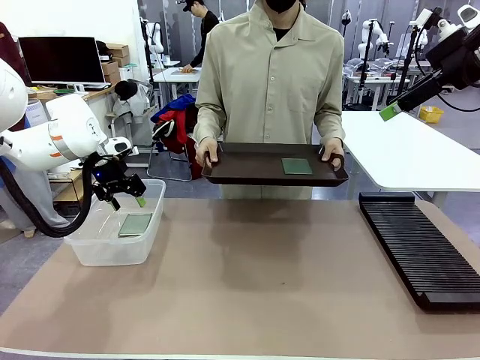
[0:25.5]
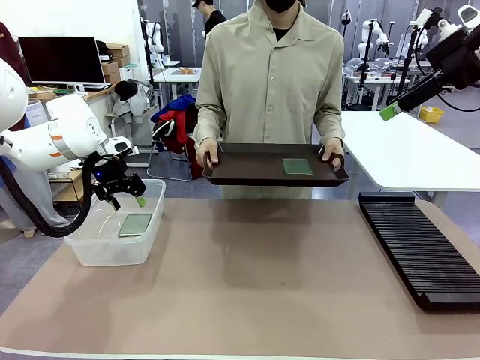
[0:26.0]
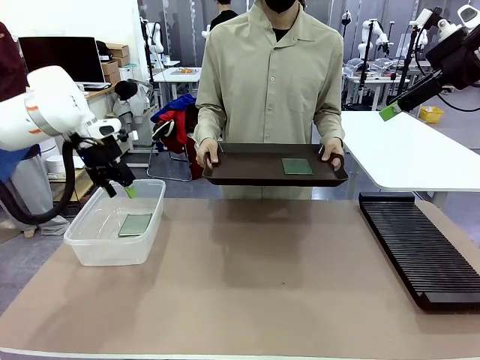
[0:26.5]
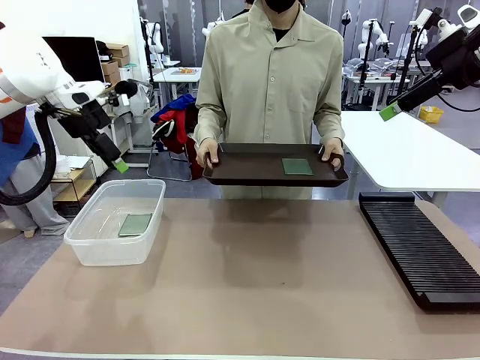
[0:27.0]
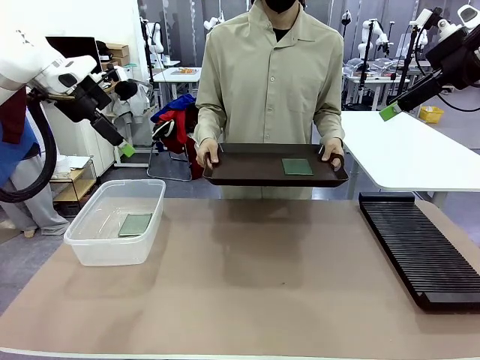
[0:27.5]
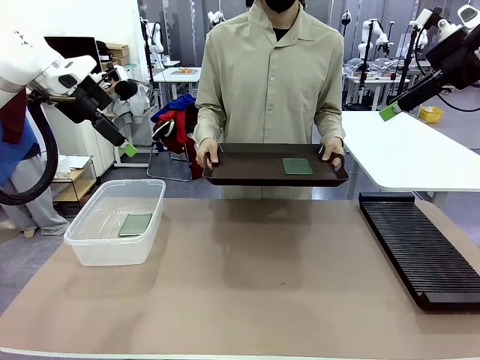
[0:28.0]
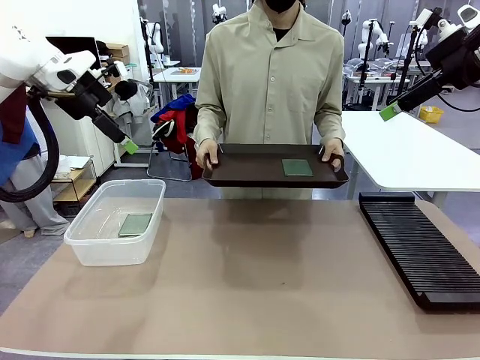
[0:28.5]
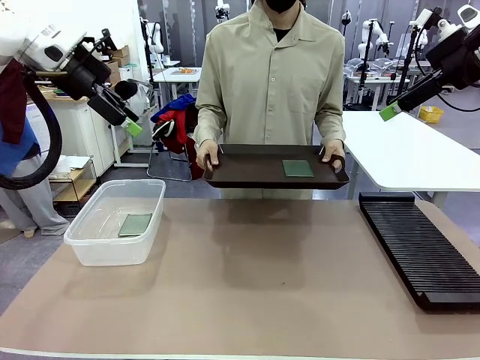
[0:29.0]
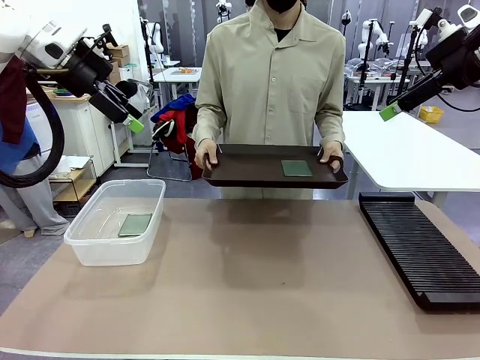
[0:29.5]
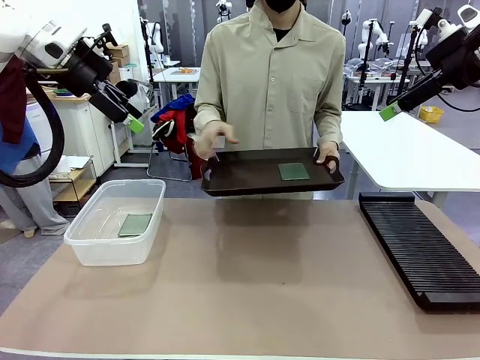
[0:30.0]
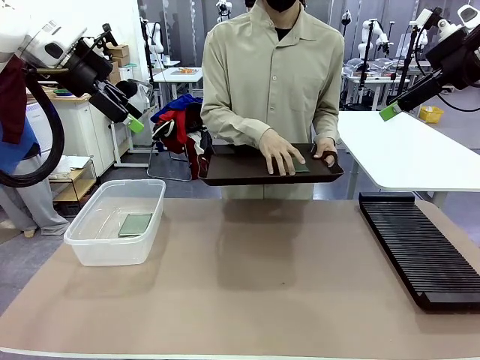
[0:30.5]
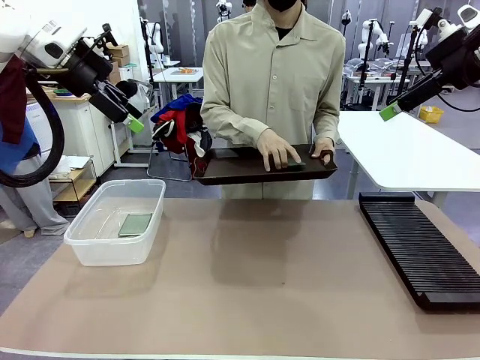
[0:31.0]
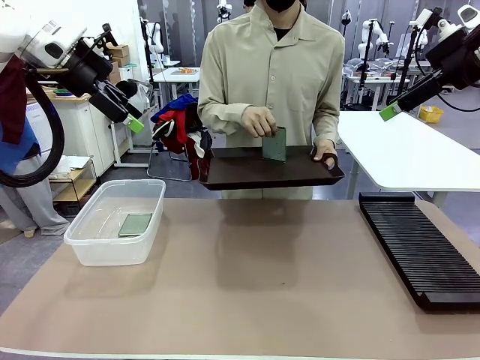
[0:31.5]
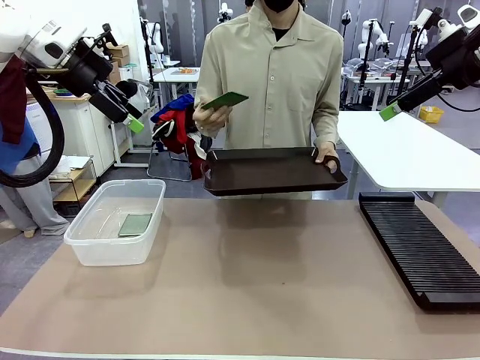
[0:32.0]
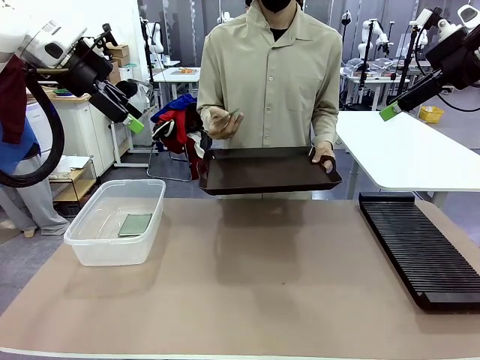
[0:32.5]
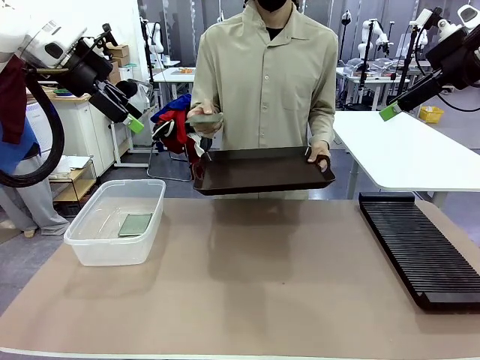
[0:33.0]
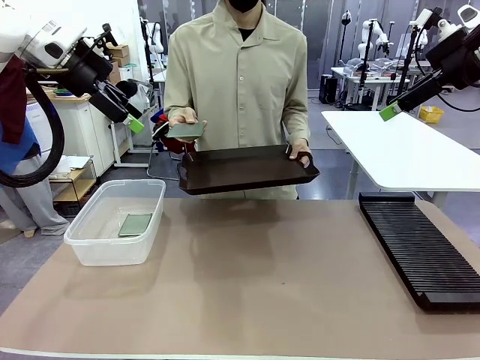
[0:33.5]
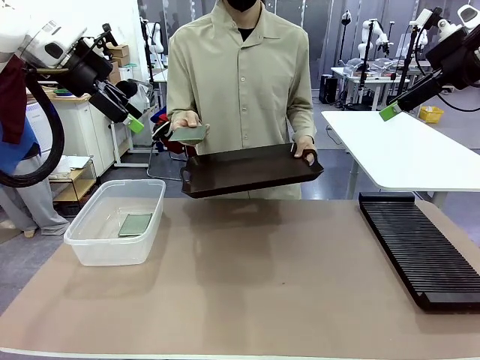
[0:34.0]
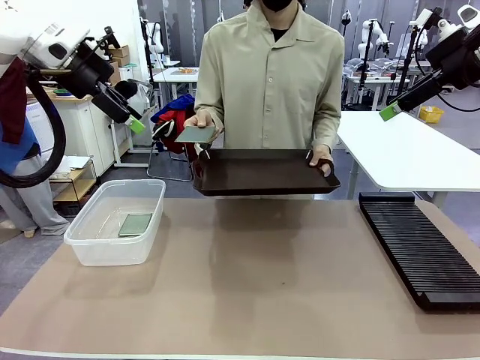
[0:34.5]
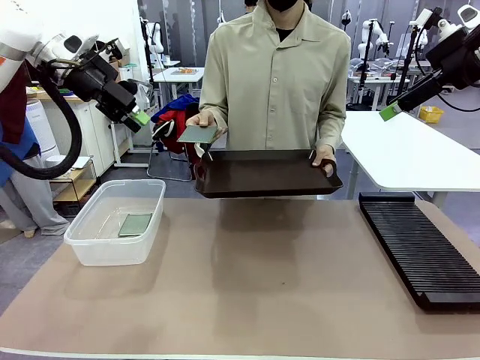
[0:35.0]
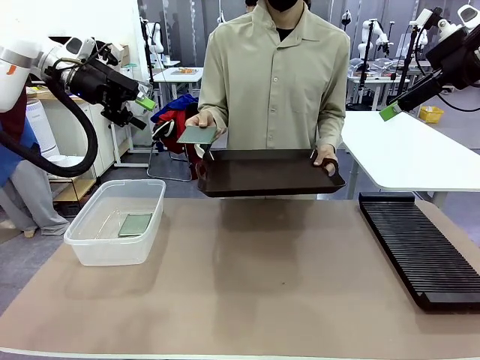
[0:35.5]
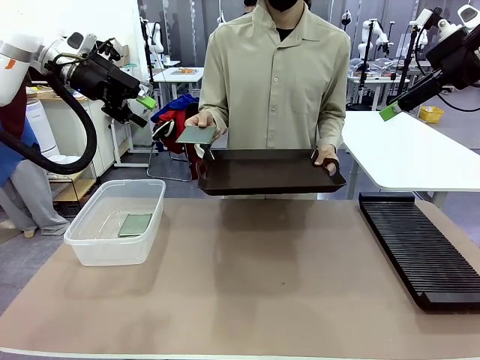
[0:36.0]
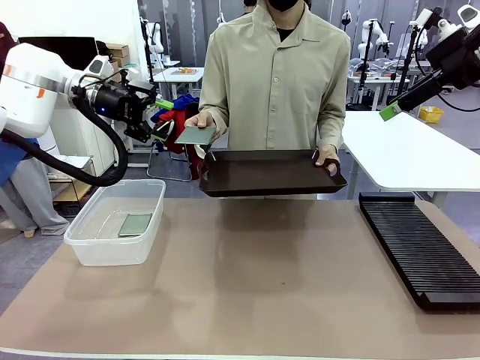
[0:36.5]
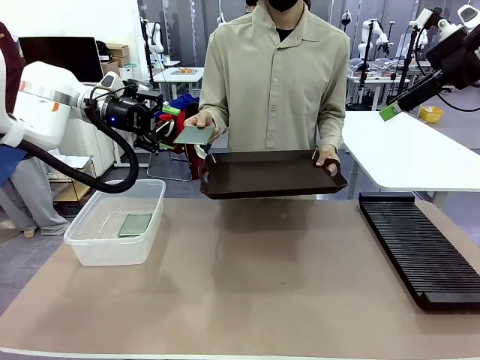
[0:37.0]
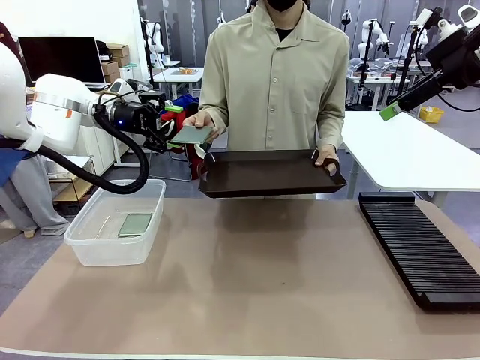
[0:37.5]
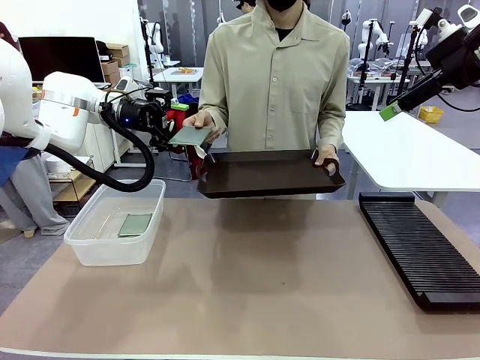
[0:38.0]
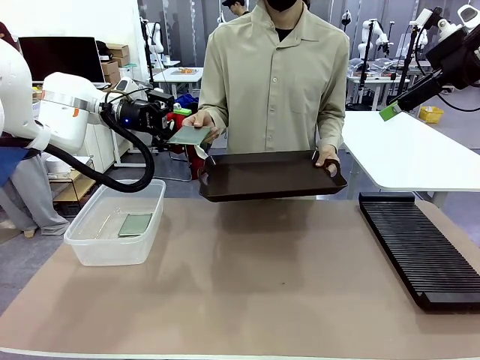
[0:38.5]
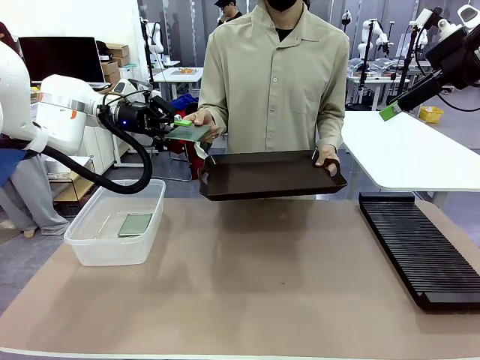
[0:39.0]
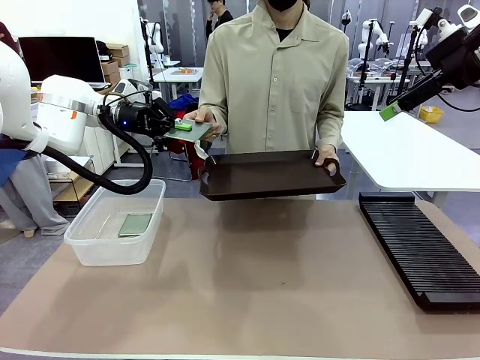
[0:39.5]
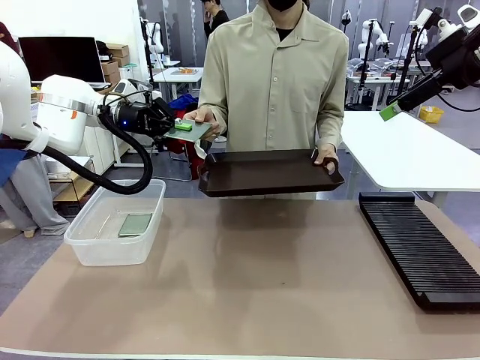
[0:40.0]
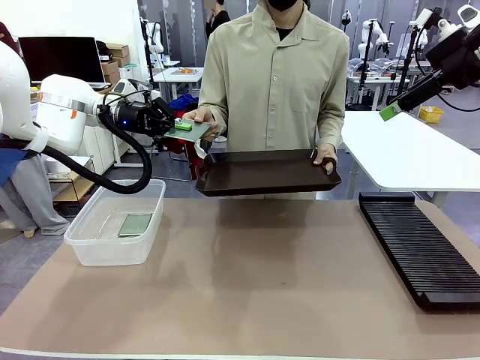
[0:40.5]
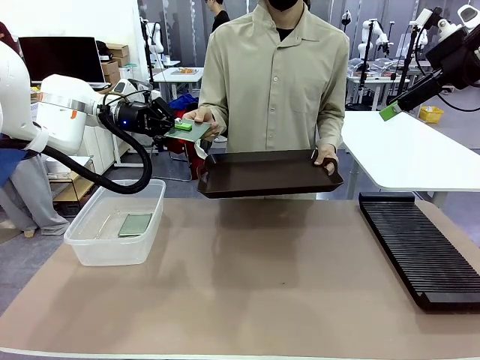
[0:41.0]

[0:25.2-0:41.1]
Task: Sort PCBs into racks and boxes based on the side picked up.
Robot: Pick up the Blank PCB handed by the Human.
Person: Pick one PCB from the tray and present it to the robot.

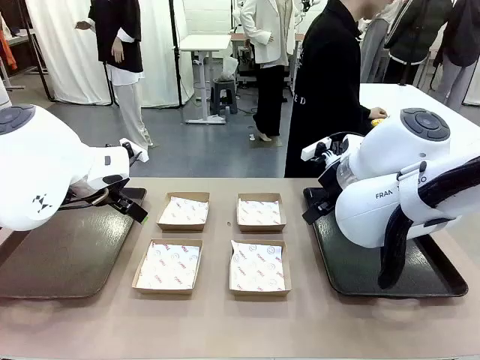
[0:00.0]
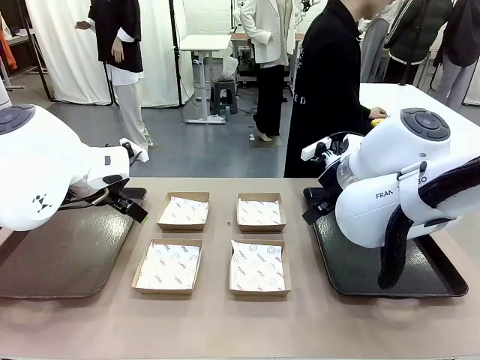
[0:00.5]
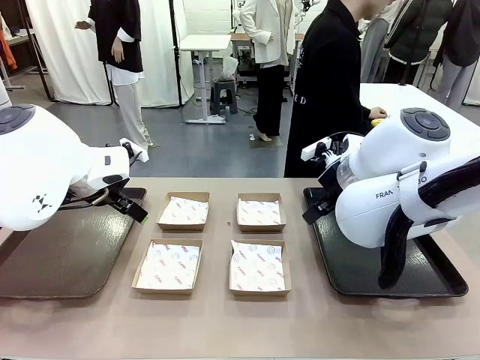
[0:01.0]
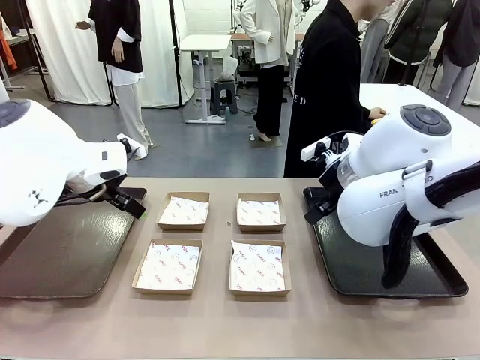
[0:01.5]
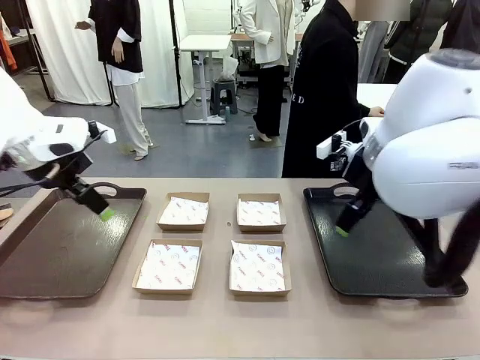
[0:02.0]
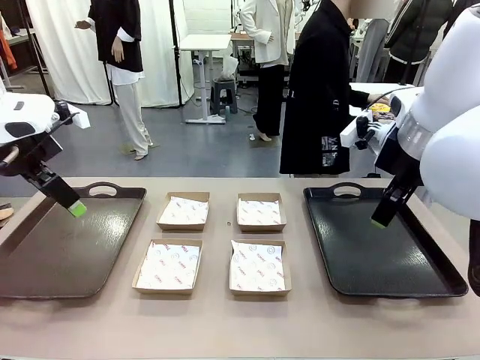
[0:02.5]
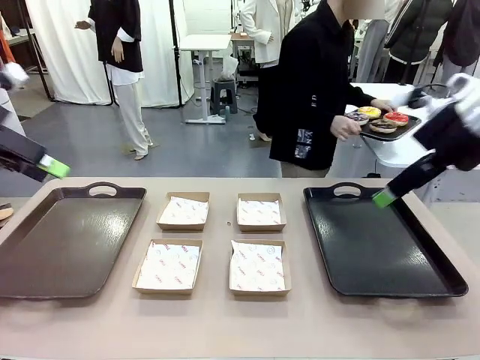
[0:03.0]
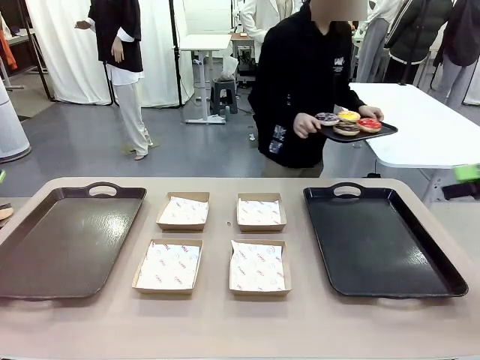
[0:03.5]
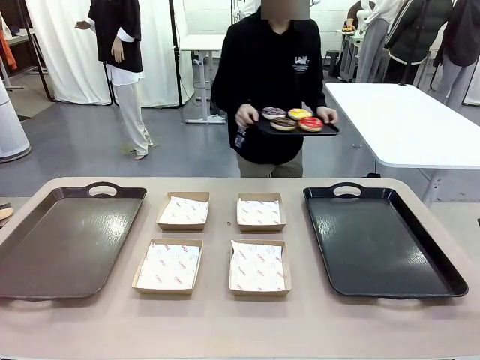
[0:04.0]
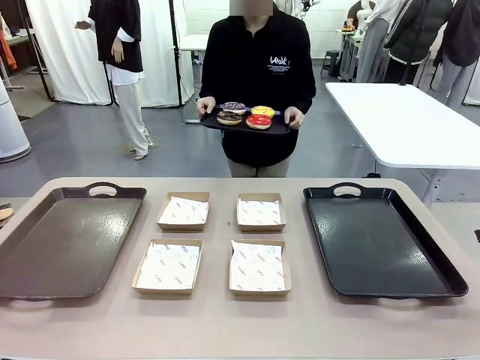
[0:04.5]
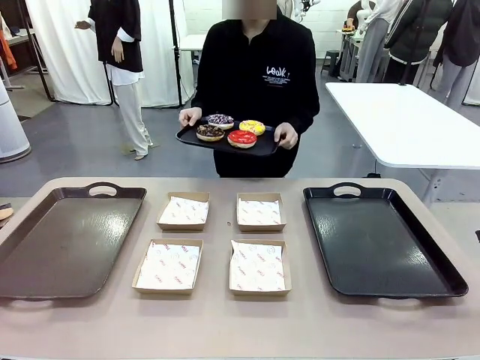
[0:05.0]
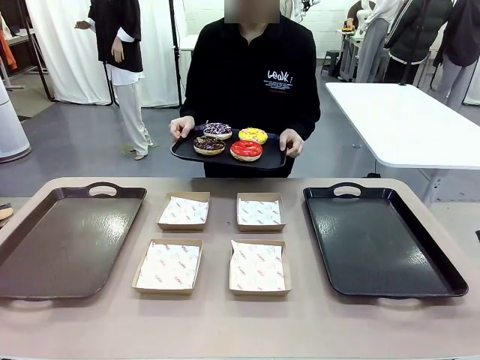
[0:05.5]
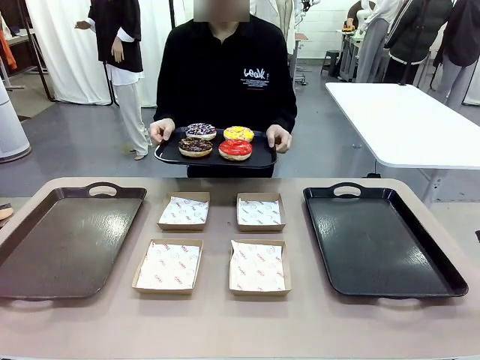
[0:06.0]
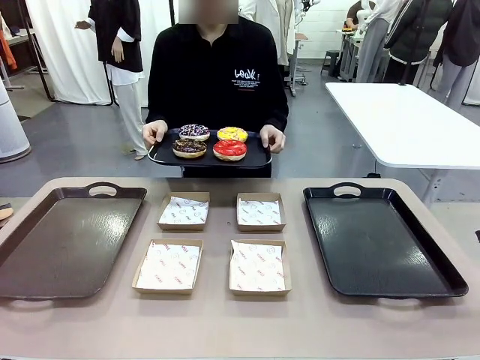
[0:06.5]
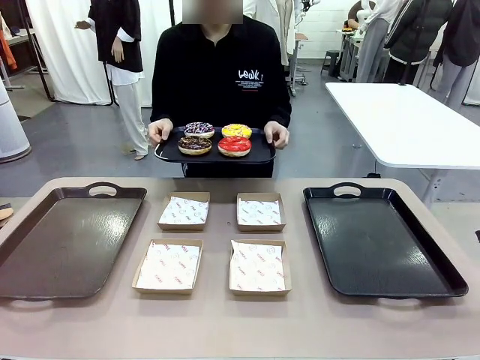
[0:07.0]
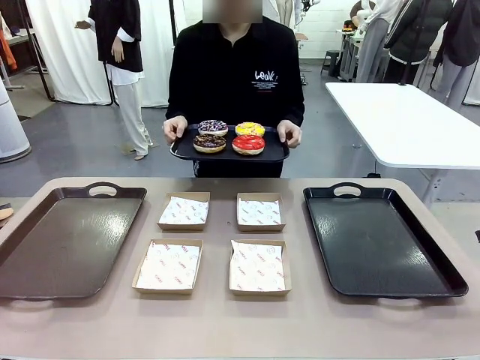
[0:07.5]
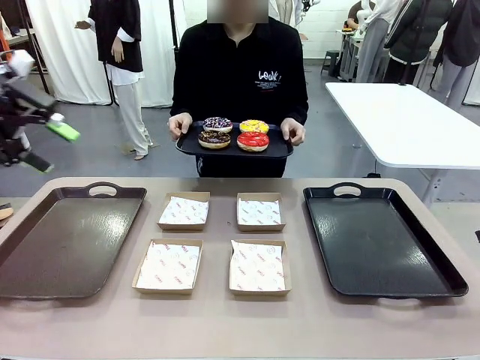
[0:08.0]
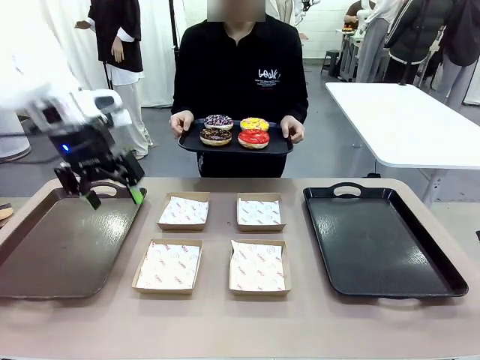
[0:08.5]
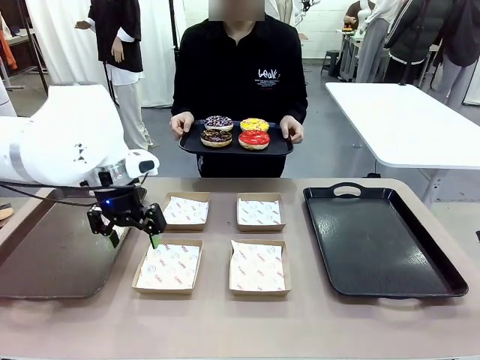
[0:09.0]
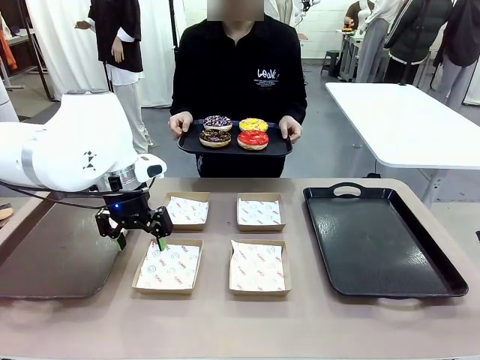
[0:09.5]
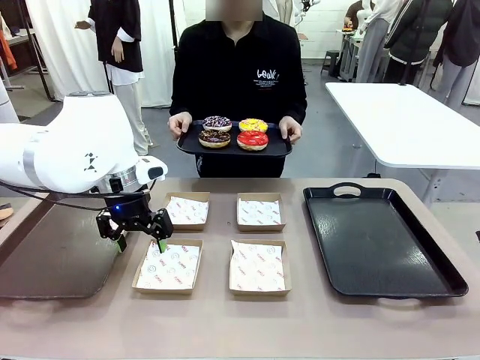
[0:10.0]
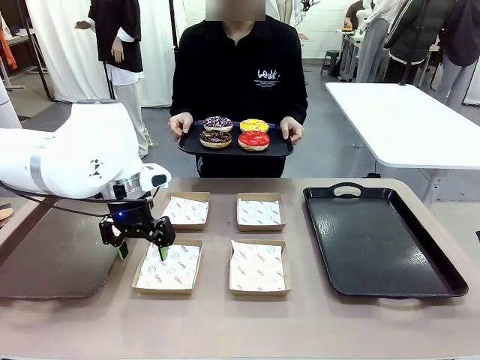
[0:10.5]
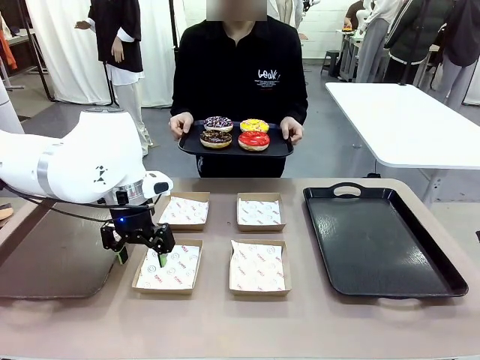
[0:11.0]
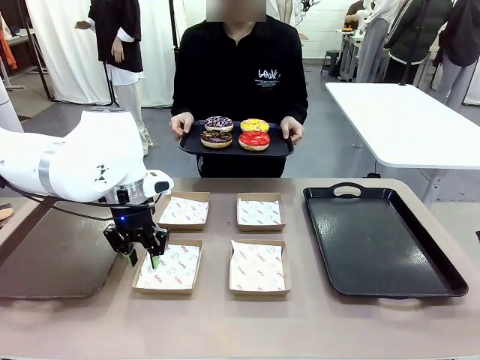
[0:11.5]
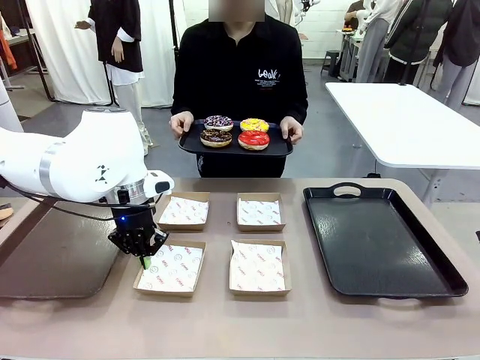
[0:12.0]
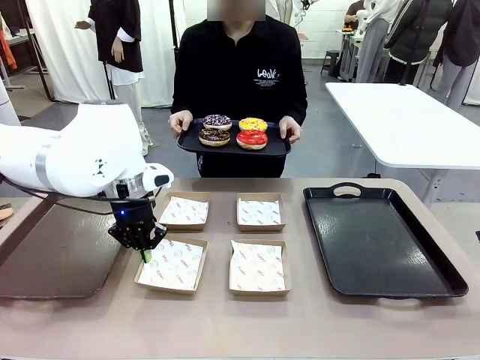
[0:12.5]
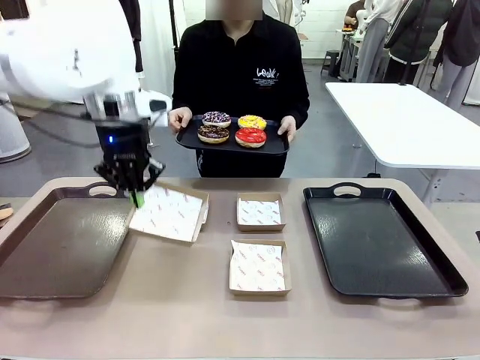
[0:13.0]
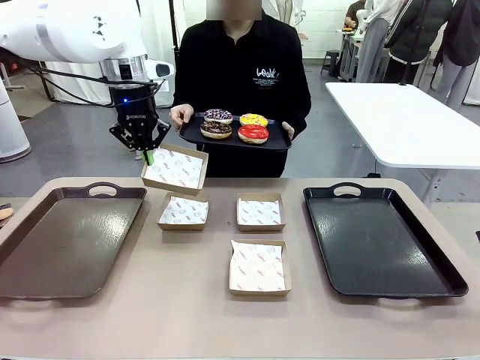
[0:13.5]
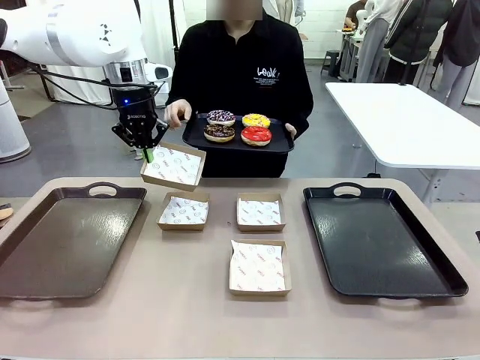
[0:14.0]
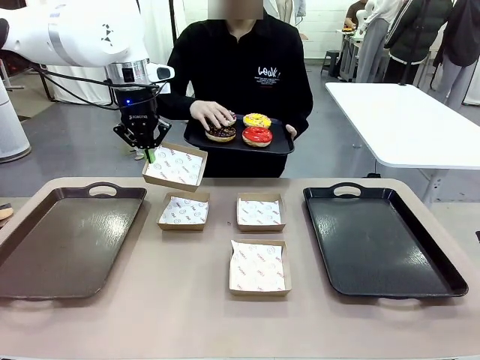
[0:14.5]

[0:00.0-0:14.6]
Task: Individually package the donuts and arrange them on the tray.
Robot: Pick up one Paper togo box.
Person: Stand in front of the robot table holding the tray containing the donuts.
